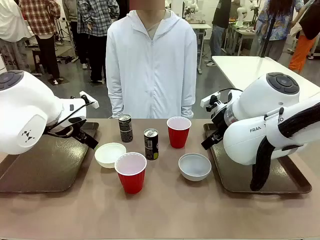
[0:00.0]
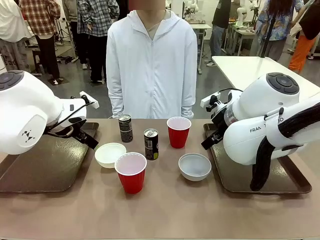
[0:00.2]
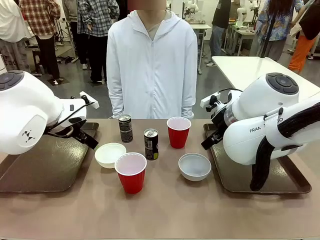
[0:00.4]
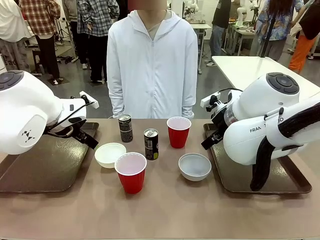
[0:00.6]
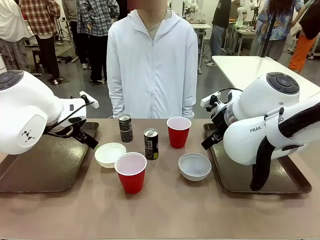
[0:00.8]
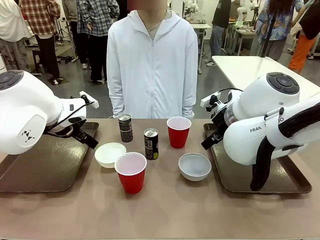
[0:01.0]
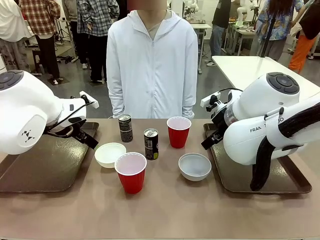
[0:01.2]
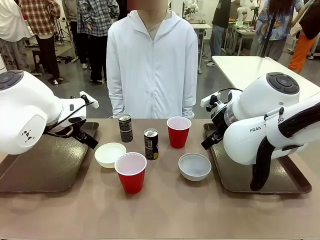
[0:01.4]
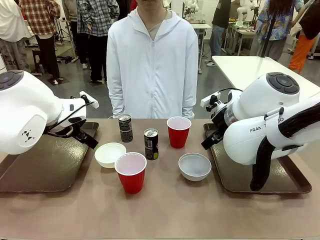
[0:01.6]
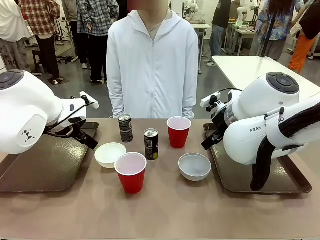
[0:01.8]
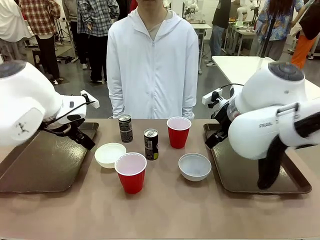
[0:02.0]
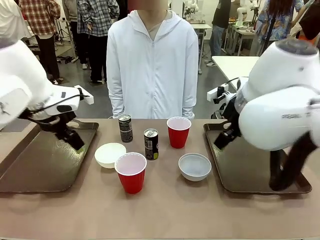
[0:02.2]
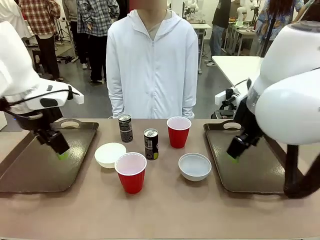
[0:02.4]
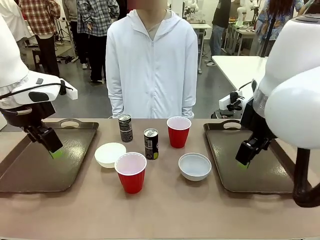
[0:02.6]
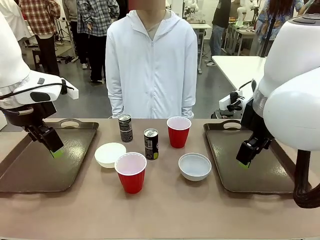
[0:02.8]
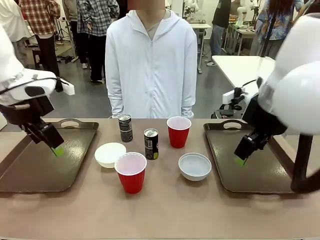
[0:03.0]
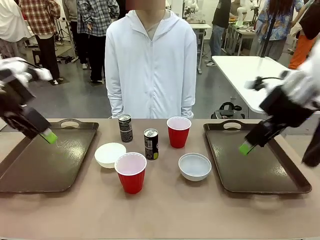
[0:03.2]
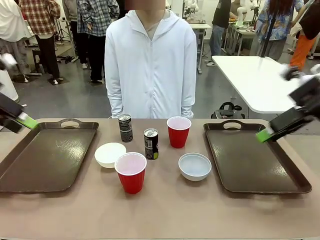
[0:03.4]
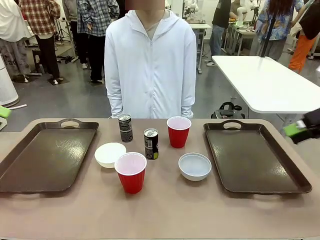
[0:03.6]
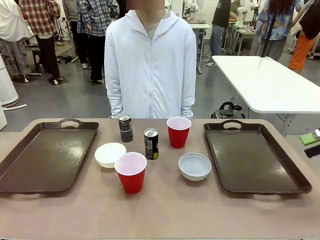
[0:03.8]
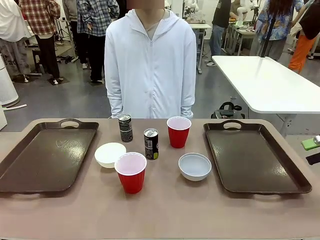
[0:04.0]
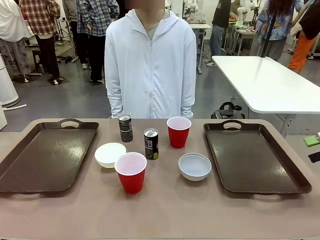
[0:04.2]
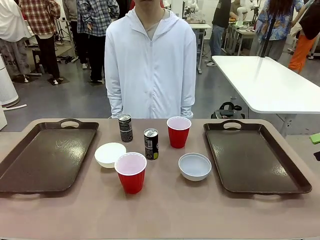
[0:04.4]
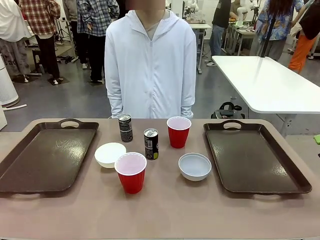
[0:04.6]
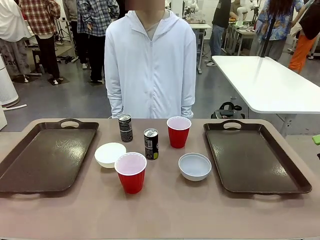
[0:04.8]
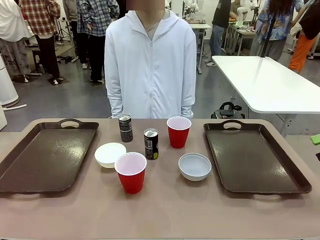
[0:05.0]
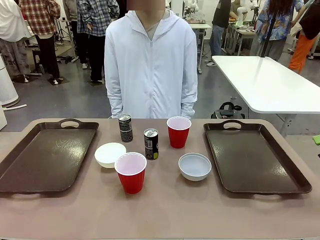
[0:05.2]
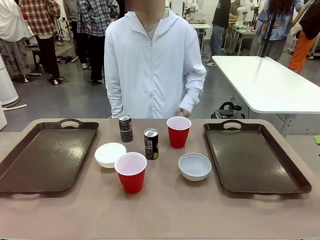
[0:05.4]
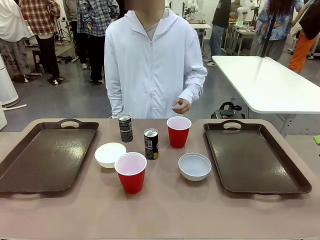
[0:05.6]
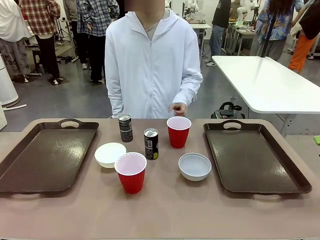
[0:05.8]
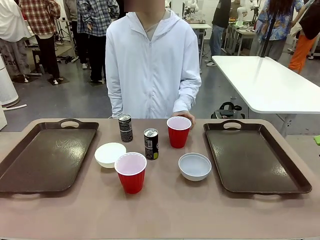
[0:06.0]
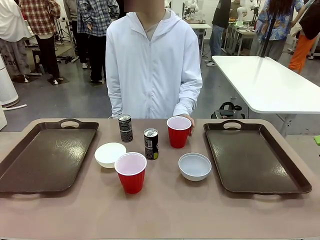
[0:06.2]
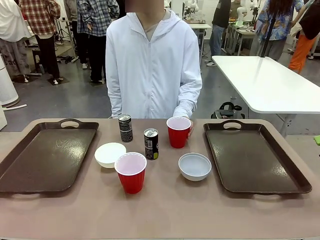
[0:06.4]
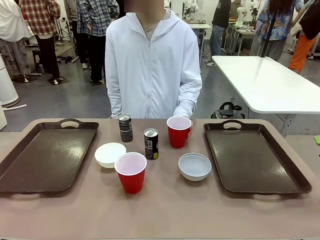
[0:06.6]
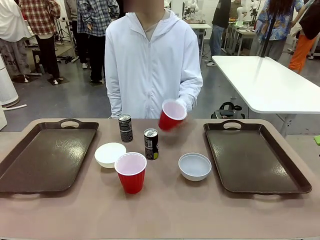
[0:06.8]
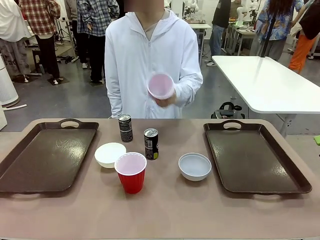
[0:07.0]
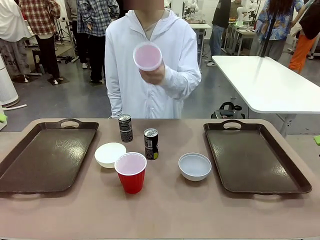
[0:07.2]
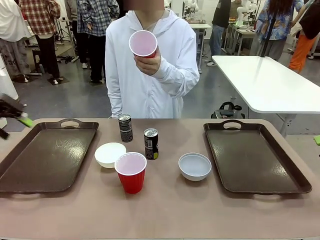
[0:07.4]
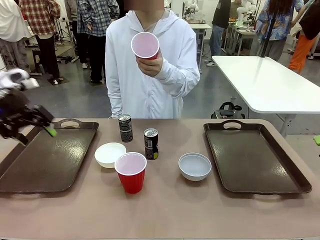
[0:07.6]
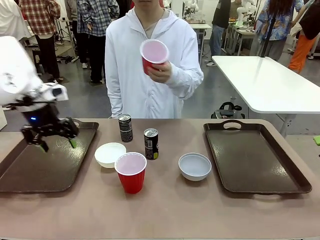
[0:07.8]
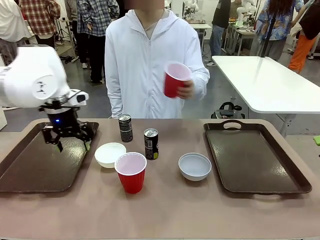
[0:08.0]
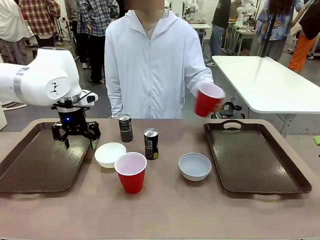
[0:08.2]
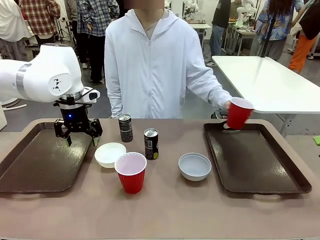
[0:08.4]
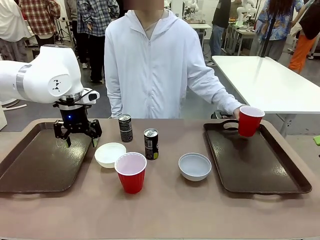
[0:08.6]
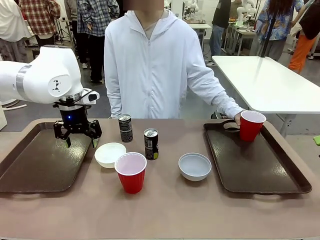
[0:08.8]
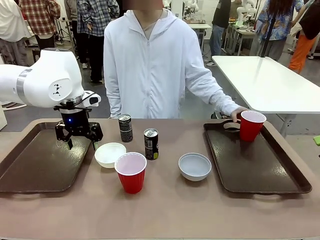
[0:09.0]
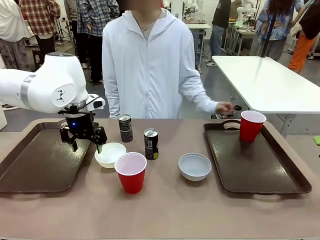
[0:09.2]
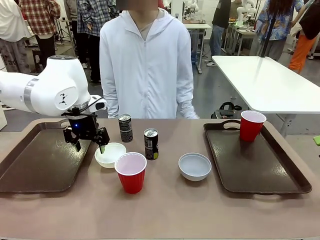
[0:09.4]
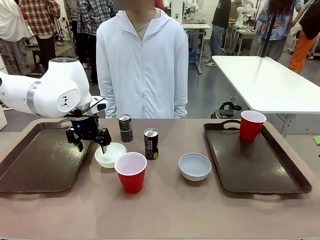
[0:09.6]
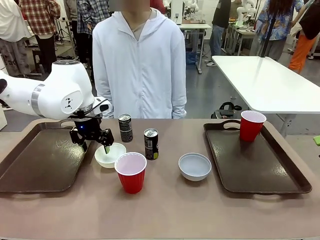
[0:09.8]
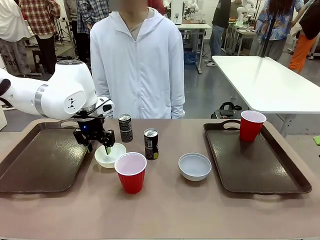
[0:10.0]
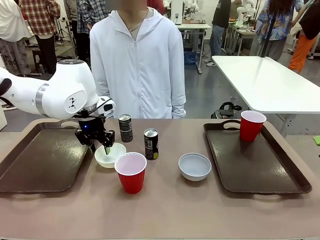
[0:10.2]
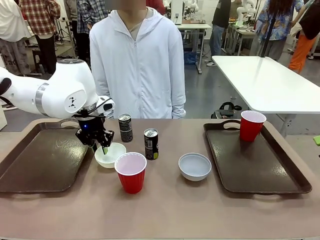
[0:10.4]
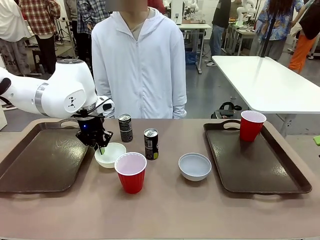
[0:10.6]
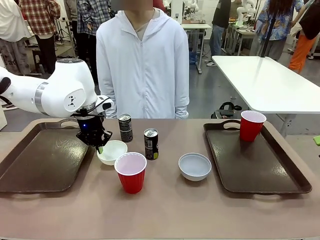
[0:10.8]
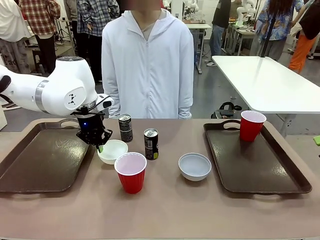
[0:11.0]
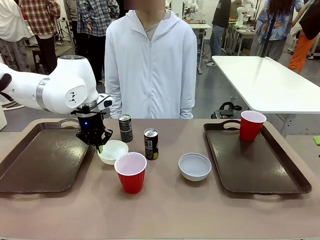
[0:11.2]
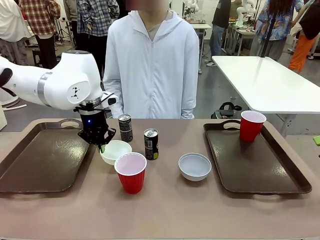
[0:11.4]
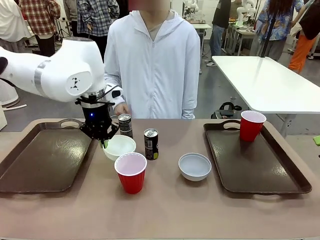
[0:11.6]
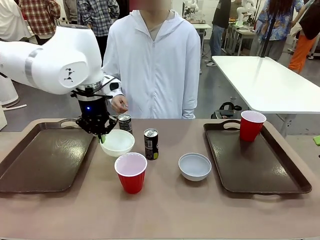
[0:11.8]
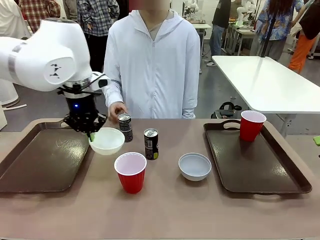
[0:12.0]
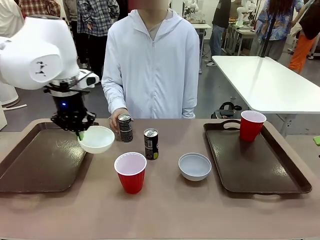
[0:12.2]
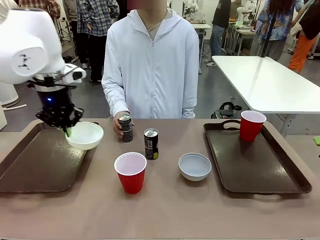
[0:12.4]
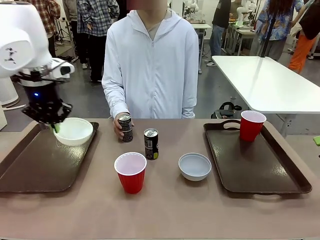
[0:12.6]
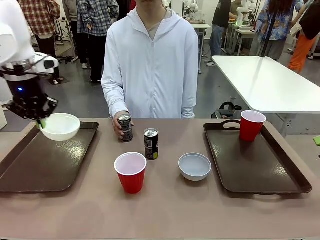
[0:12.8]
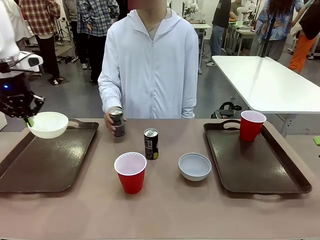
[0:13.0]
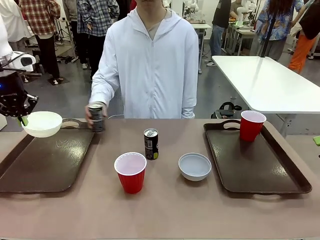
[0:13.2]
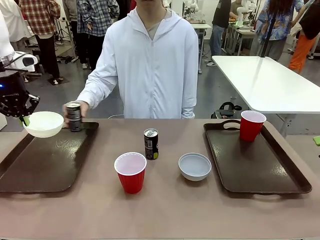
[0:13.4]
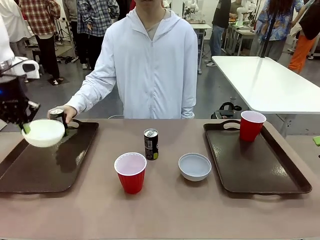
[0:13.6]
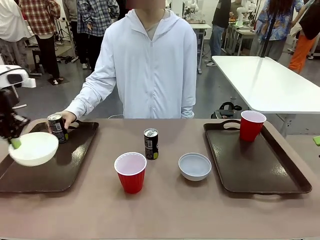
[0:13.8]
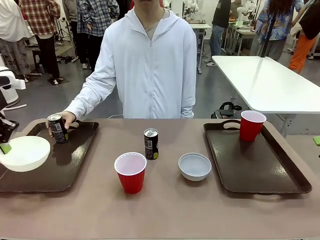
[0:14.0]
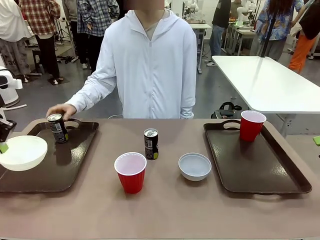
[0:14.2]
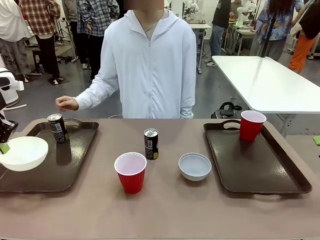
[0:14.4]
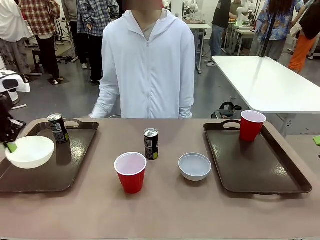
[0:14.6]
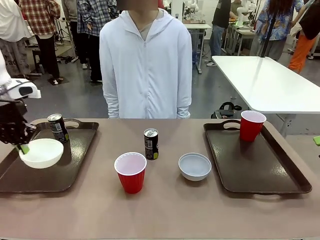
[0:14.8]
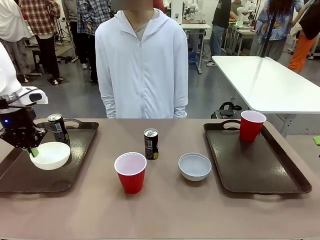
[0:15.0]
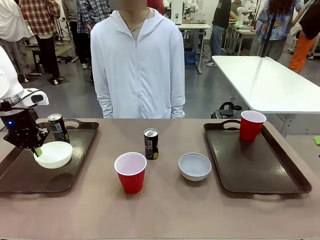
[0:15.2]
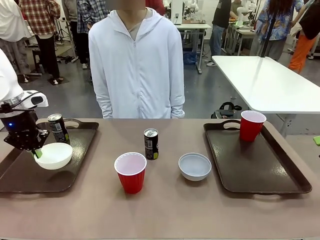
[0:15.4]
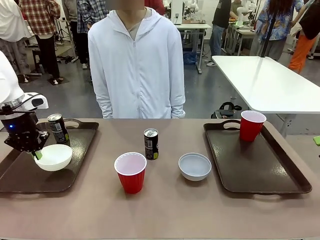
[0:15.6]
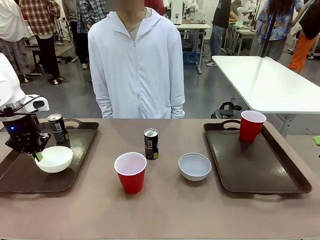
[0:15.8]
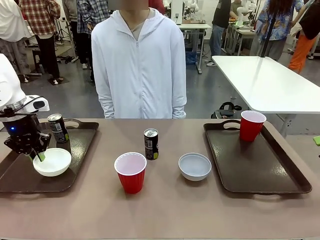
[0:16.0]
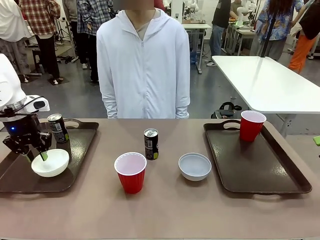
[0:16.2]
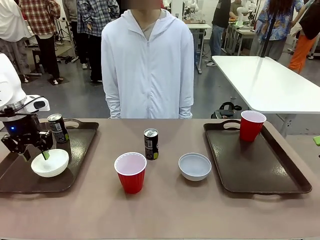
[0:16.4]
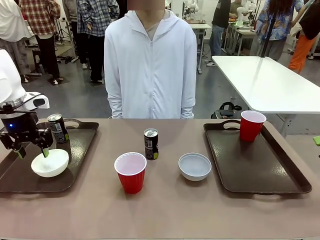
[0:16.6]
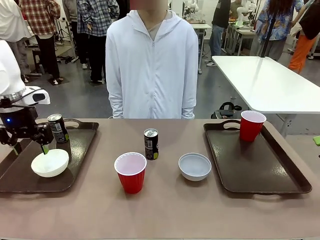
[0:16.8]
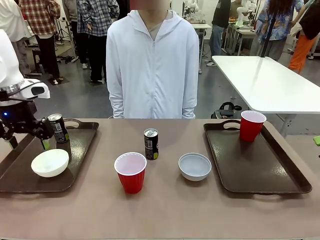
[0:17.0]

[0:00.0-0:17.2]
Task: Prepare tableware on both trays.
Robot: Pick up a Picnic Bowl from the table and place it on a Handle tray.
Person: Pick up a can or cup and place it on the tray.
